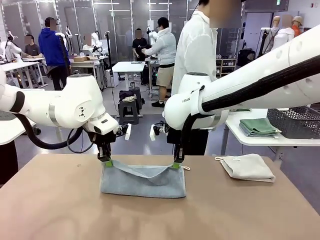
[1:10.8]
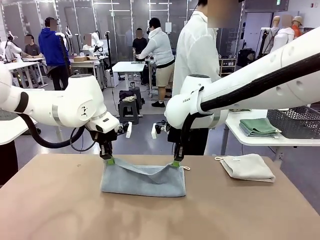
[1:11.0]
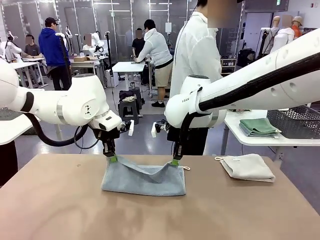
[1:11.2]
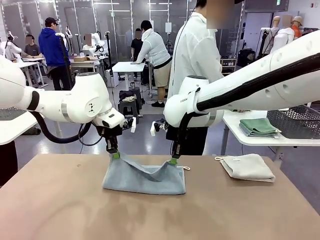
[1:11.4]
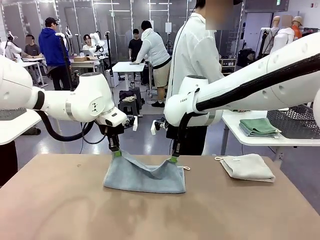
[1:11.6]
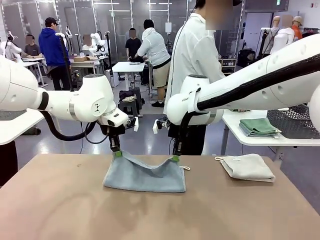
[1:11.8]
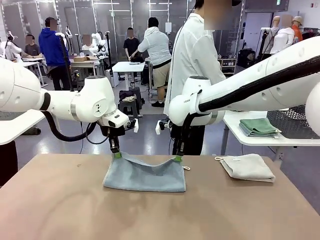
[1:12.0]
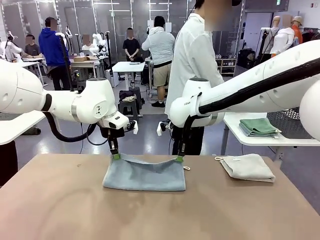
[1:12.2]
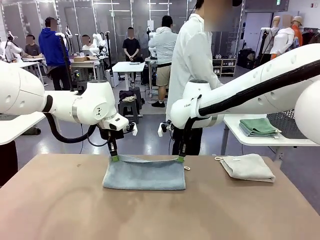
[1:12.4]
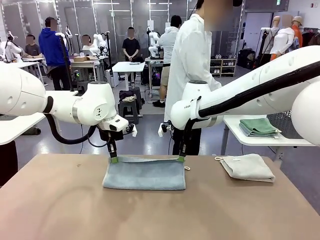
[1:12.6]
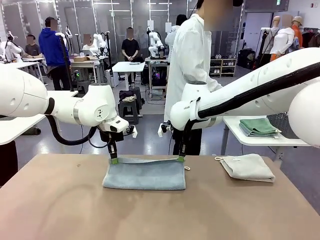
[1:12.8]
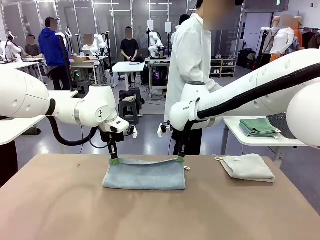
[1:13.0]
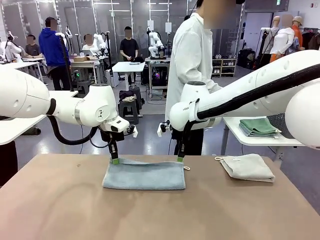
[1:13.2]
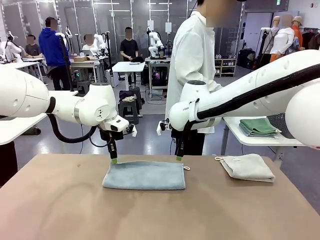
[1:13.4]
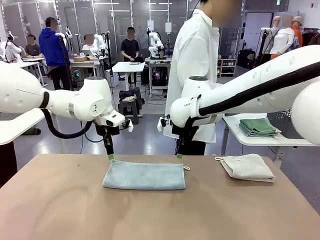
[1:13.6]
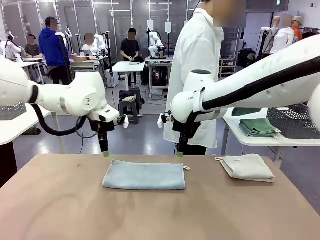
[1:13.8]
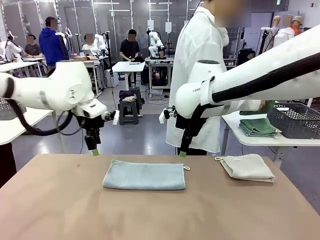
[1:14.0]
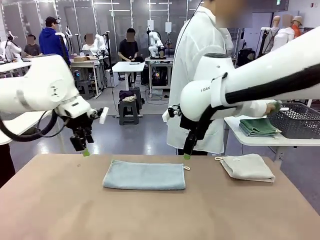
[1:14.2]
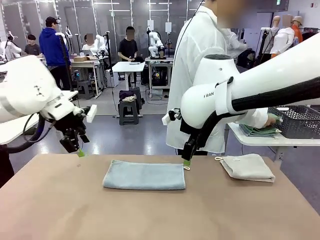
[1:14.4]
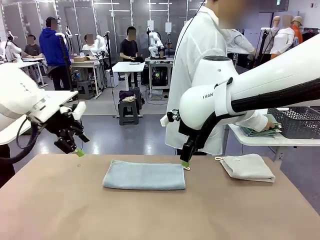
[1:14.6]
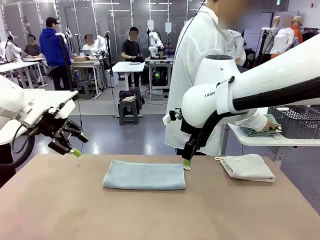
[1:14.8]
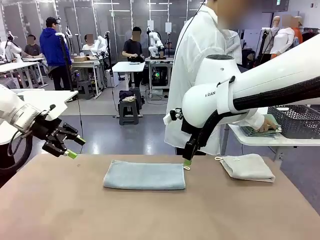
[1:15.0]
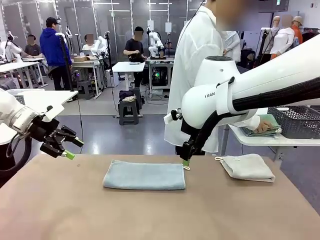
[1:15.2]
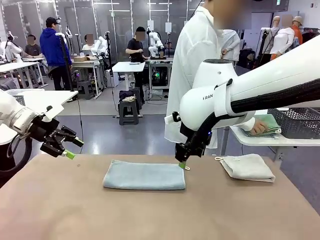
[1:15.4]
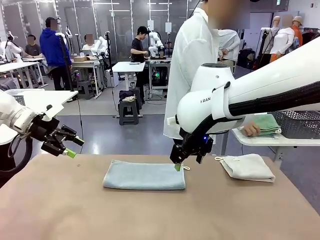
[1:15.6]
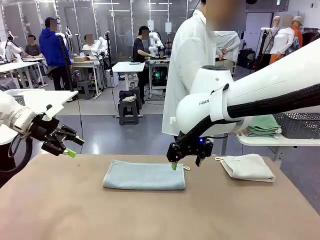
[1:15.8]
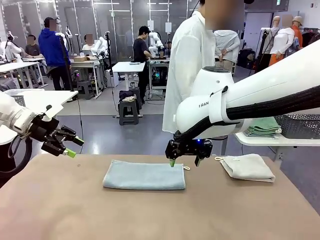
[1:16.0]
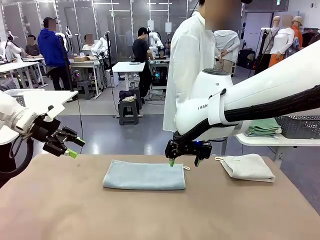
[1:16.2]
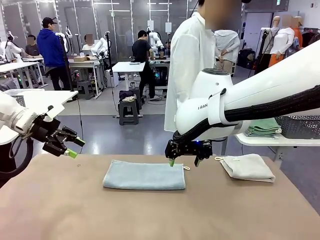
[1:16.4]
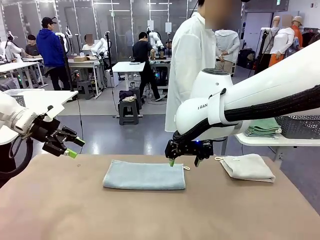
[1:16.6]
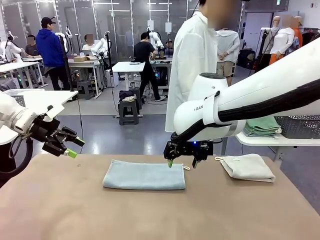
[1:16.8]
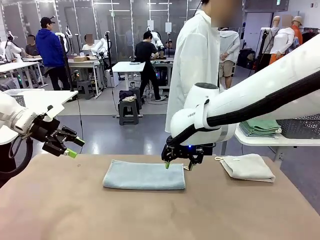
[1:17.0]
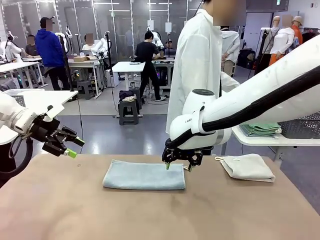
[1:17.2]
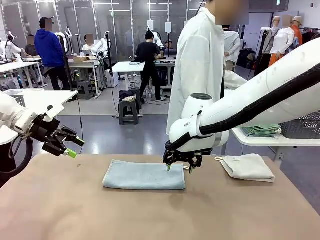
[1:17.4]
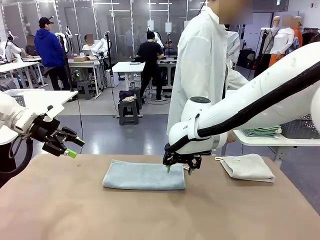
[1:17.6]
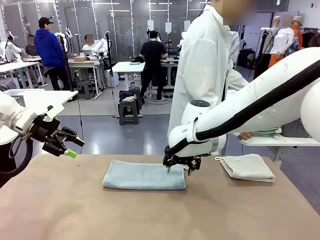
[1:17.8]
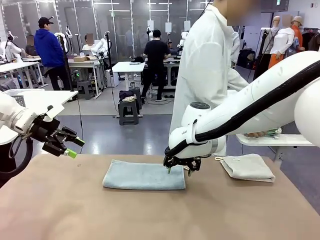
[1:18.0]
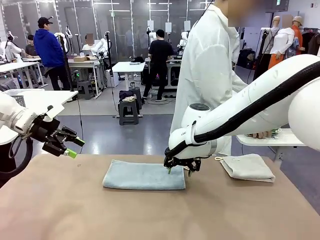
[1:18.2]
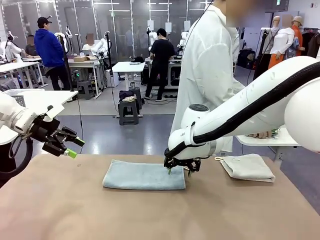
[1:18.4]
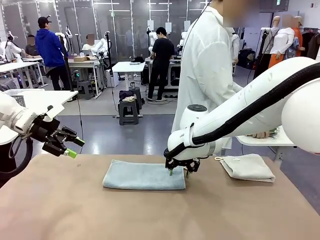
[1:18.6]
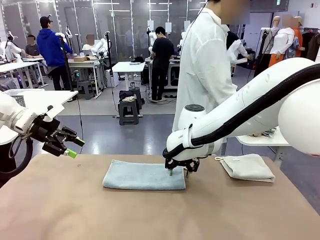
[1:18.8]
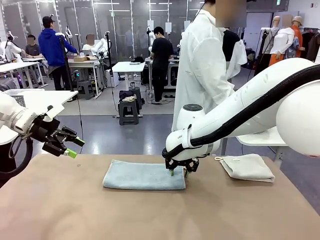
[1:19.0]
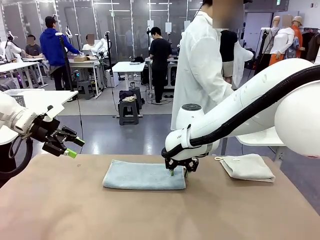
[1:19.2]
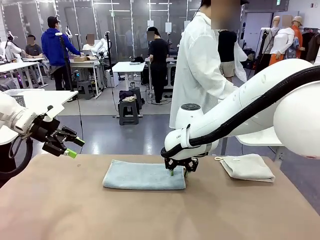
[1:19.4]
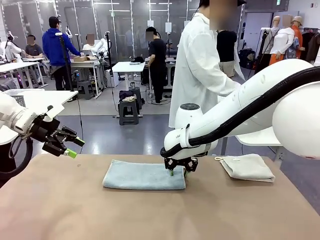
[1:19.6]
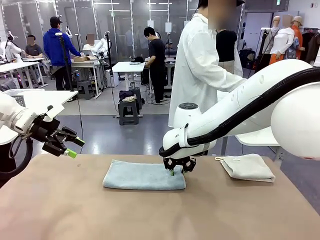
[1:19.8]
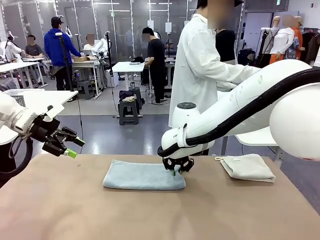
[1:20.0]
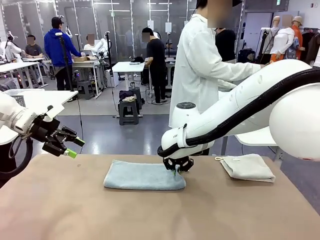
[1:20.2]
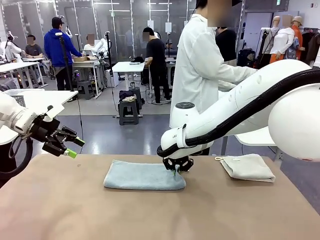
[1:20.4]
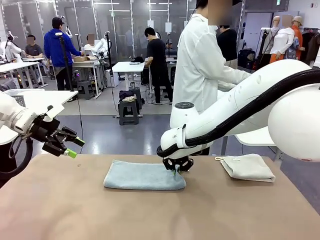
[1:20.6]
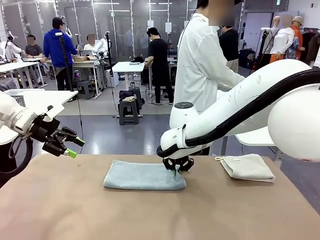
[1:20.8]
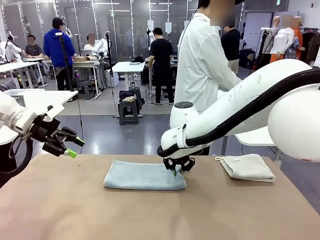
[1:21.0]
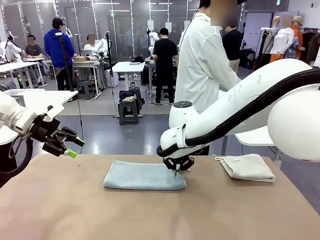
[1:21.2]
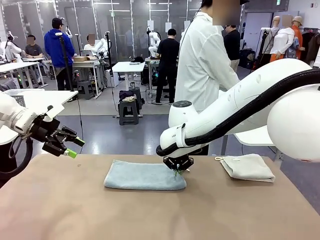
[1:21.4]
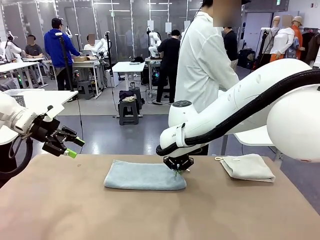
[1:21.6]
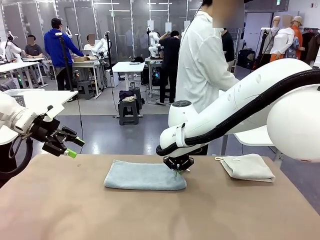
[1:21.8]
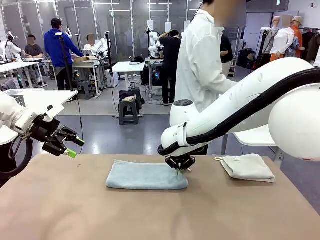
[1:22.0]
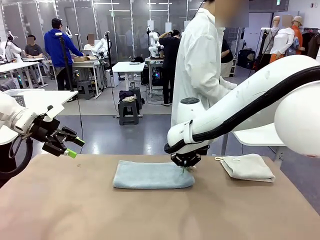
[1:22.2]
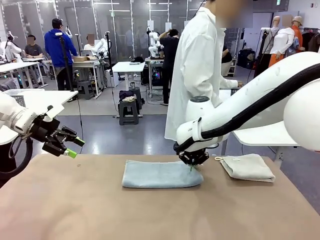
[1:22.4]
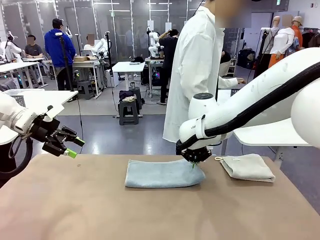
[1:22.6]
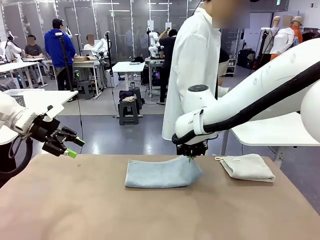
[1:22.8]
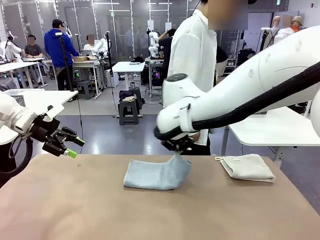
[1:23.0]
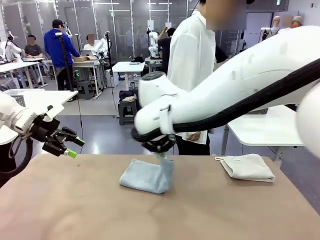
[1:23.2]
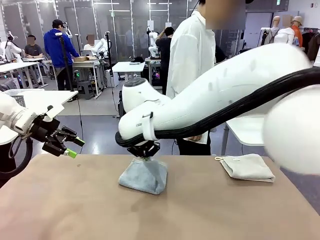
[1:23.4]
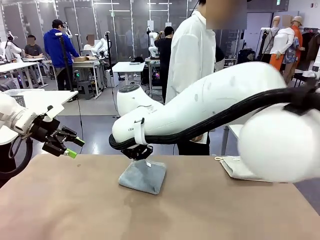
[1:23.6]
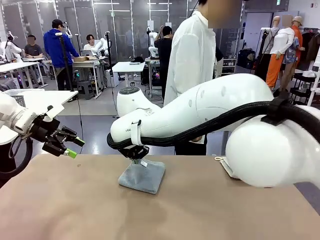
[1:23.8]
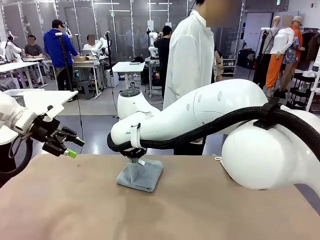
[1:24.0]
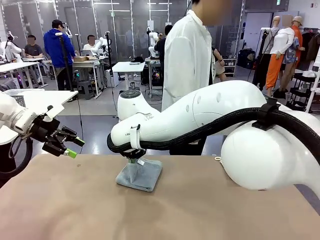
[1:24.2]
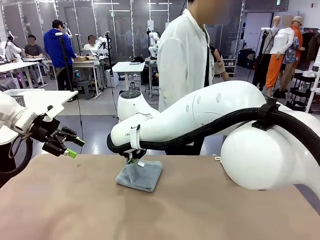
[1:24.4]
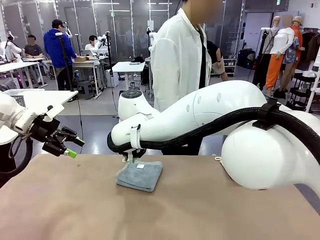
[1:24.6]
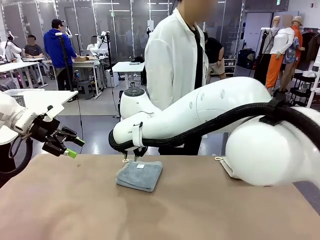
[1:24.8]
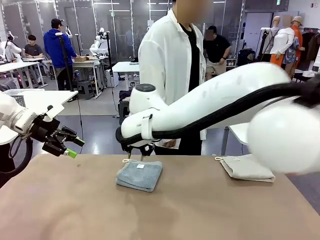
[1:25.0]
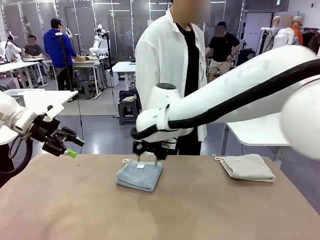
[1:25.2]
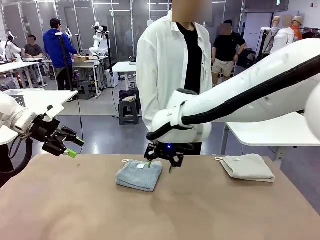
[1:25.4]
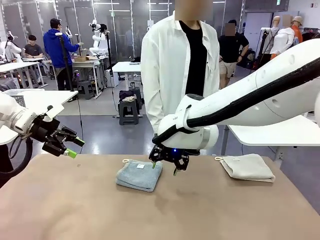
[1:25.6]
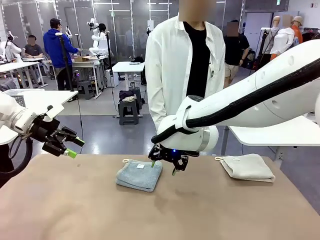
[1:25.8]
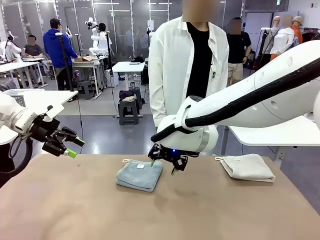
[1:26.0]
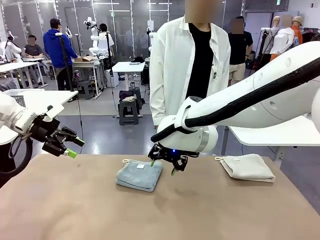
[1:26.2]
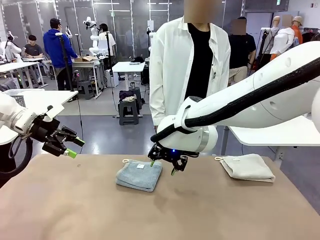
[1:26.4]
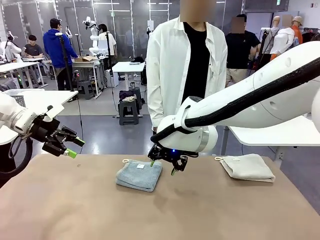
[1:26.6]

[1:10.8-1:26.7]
Task: Fold the towels and place them in the basket.
Robot: When a person lays out a Towel with hook on the table, fold it in half twice.
Person: Pick up the stack of towels from the right side of the human table, place it into the basket, and put the basket at the center of the table.

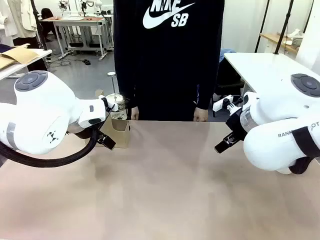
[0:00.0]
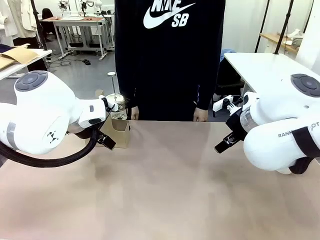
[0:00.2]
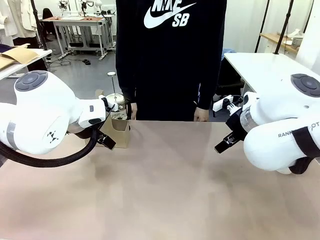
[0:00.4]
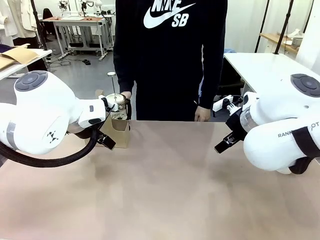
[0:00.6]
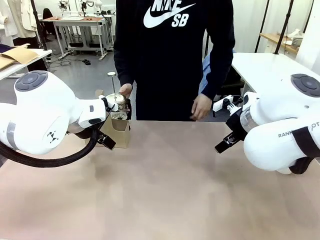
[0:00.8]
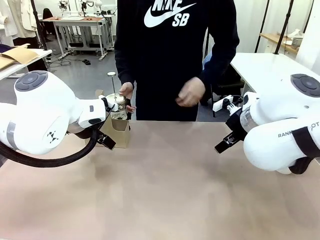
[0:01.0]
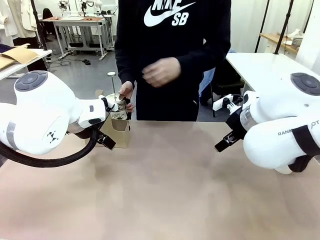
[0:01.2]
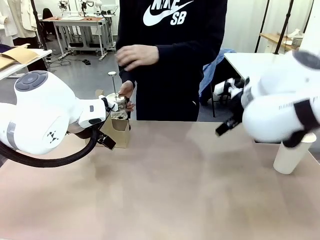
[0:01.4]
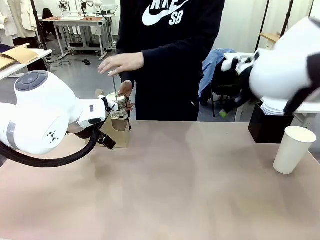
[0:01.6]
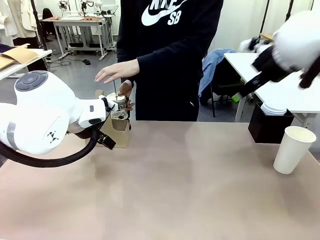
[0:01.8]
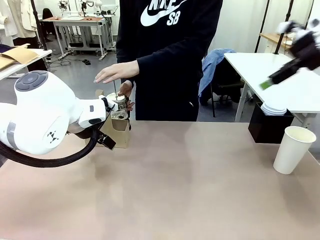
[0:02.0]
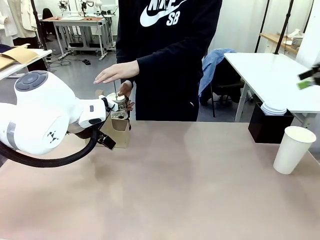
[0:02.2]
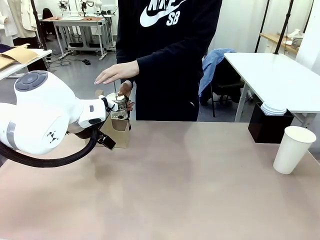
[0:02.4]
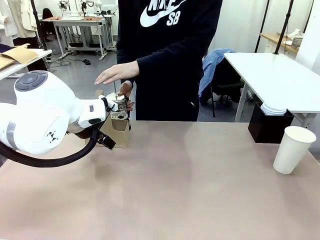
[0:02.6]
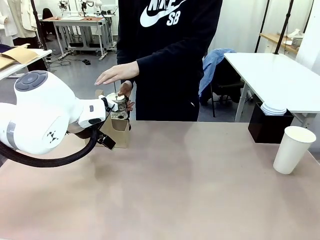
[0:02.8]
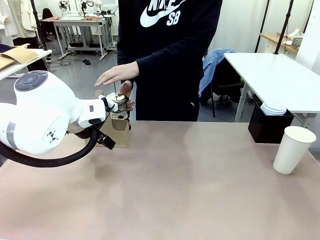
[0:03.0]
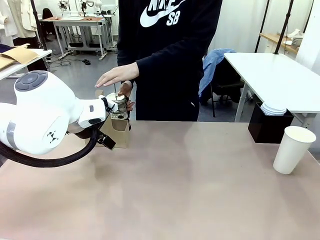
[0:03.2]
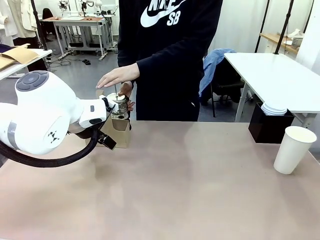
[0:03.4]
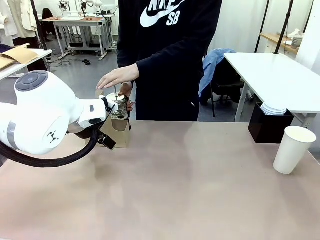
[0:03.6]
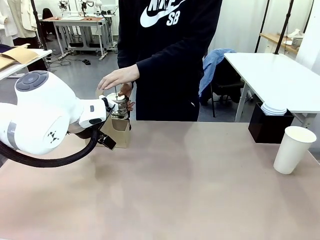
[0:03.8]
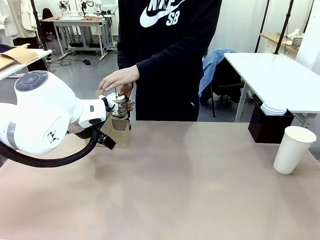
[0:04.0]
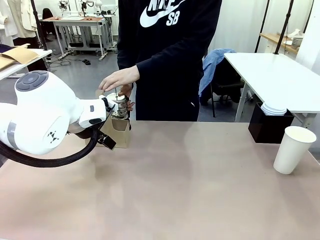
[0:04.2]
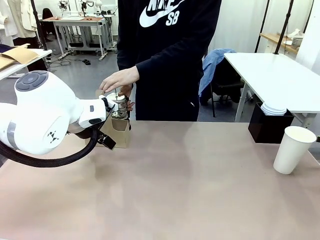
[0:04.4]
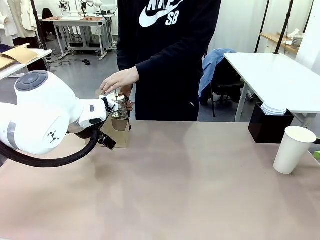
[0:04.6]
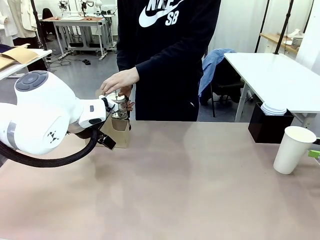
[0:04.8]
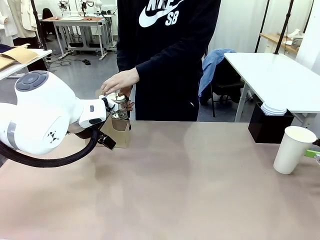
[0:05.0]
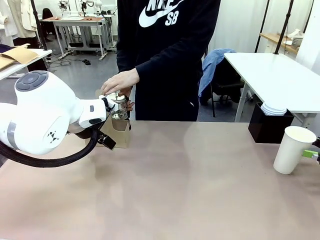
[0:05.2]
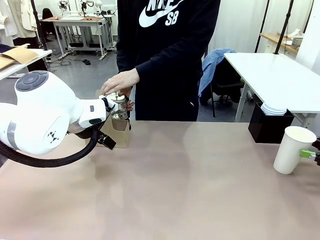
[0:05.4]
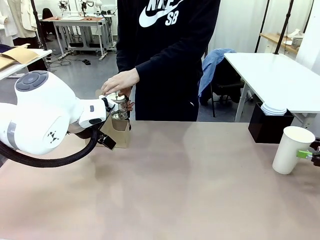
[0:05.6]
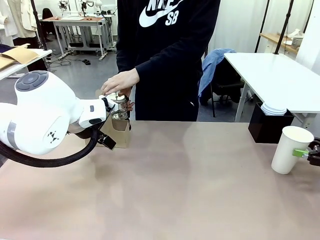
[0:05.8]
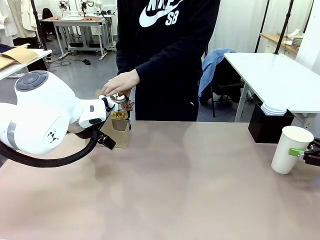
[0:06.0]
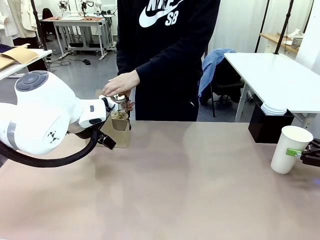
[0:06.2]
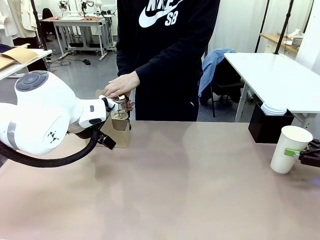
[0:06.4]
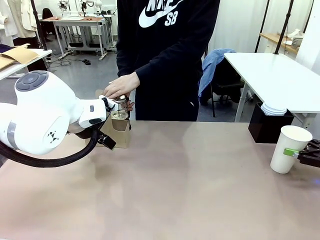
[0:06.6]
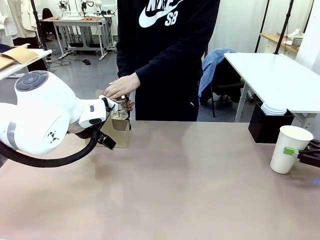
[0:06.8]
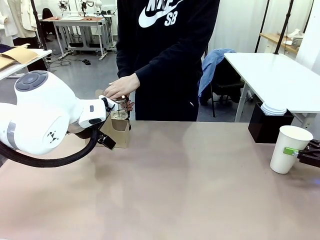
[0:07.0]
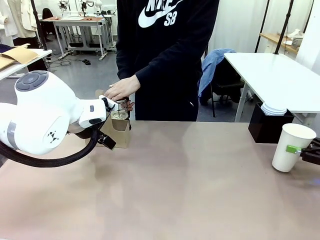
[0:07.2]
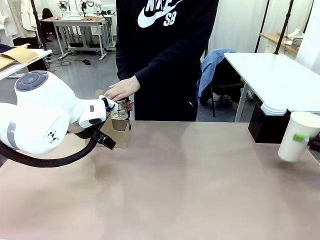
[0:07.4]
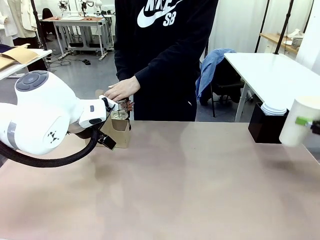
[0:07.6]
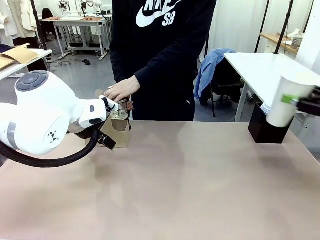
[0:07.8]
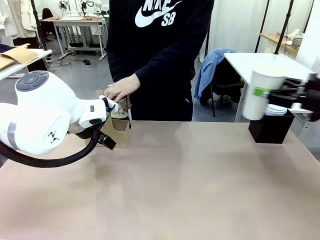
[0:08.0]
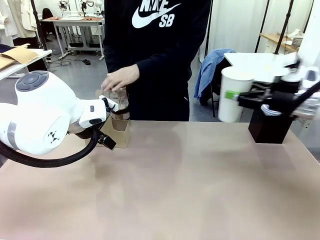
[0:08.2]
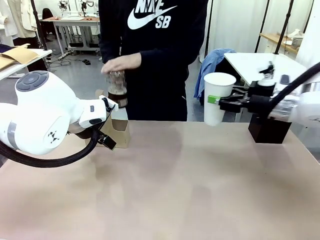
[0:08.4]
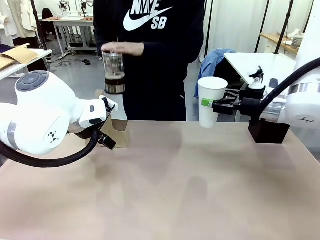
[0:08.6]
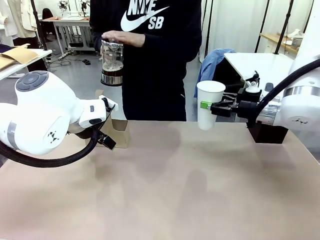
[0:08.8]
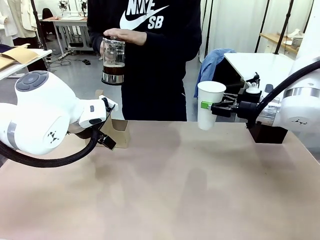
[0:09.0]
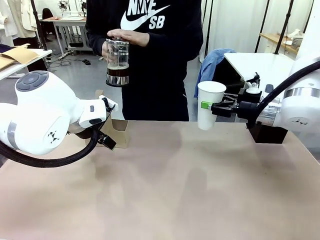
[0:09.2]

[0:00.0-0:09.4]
Task: Pour a drink into a cup and package it in a carrier.
Robot: Pick up the 600 ml Paper Cup and place it in the middle top area of the table.
Person: Press and pick up the Filter Brewing.
